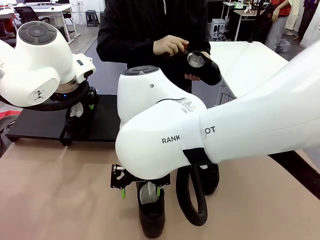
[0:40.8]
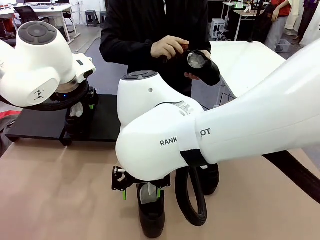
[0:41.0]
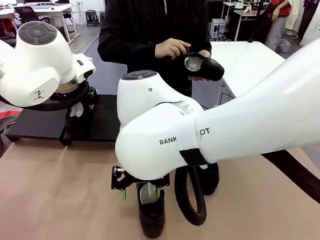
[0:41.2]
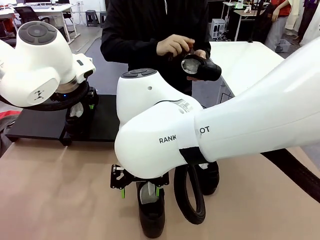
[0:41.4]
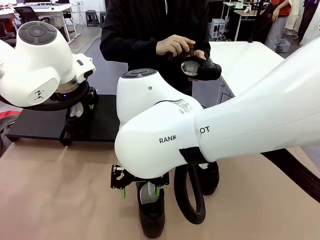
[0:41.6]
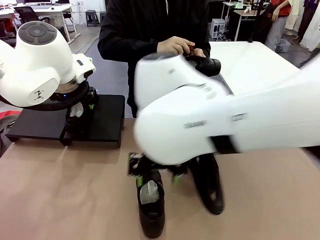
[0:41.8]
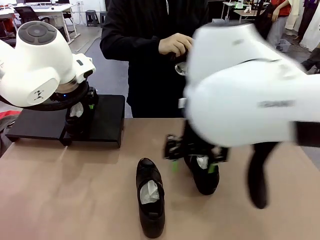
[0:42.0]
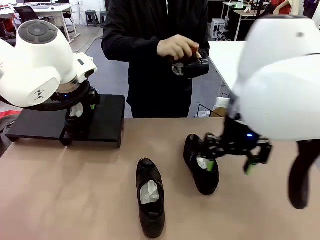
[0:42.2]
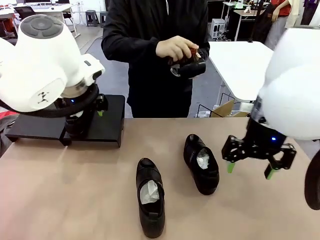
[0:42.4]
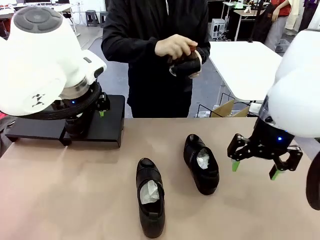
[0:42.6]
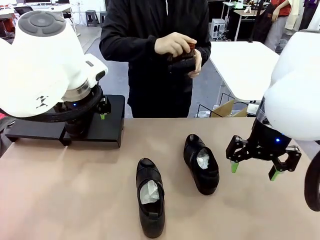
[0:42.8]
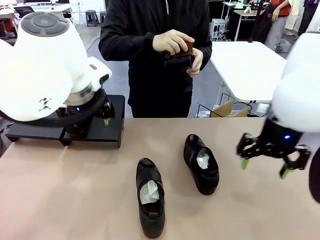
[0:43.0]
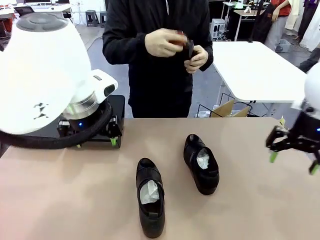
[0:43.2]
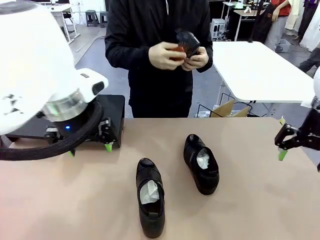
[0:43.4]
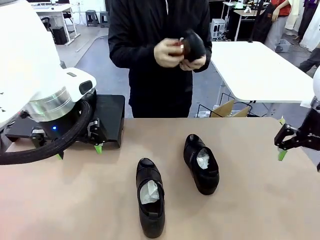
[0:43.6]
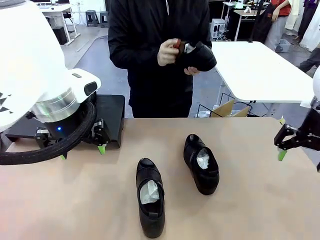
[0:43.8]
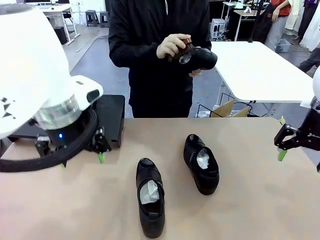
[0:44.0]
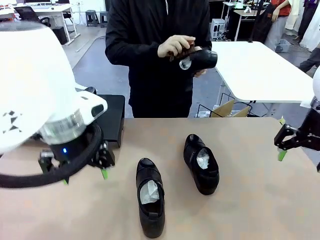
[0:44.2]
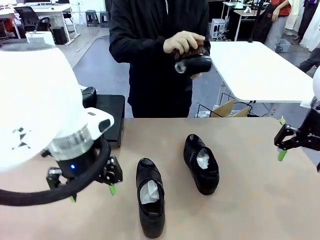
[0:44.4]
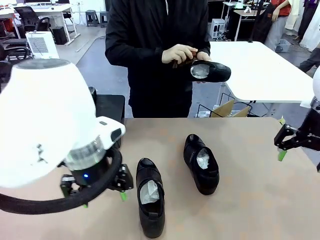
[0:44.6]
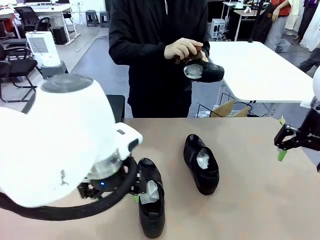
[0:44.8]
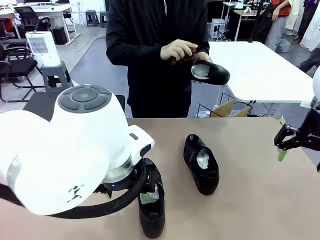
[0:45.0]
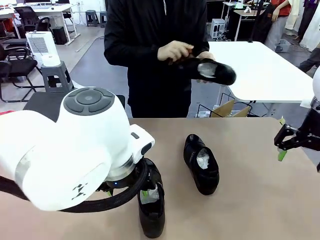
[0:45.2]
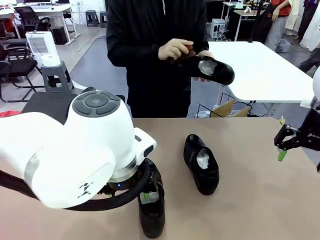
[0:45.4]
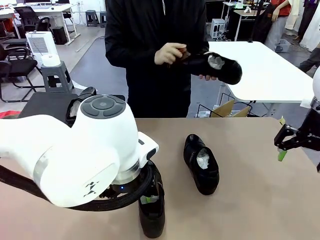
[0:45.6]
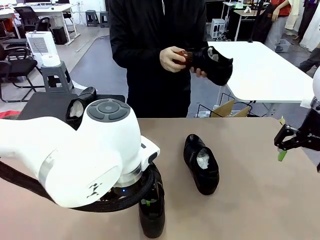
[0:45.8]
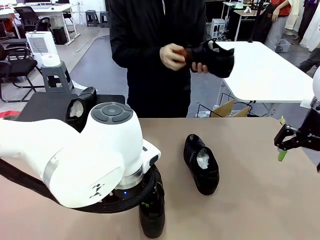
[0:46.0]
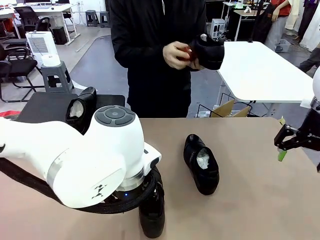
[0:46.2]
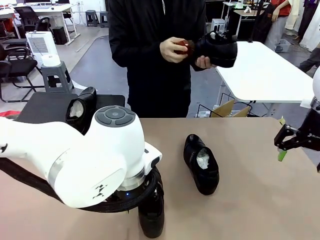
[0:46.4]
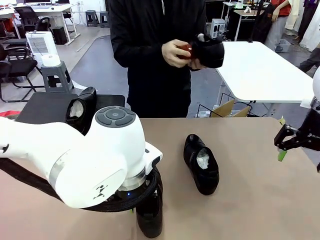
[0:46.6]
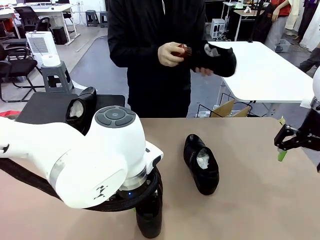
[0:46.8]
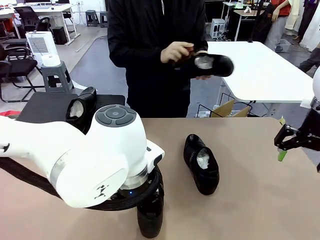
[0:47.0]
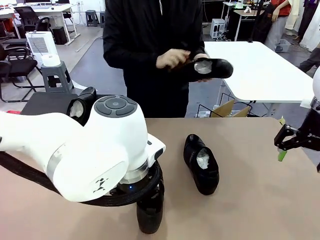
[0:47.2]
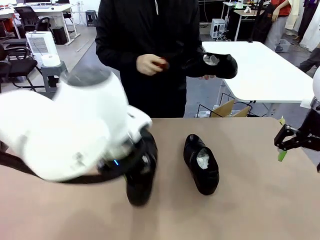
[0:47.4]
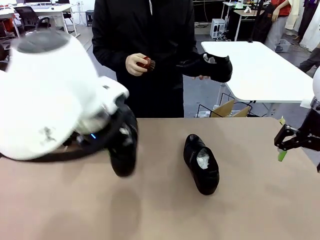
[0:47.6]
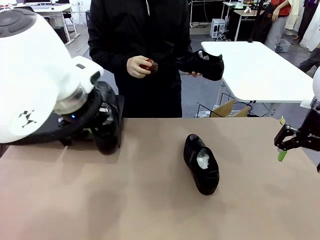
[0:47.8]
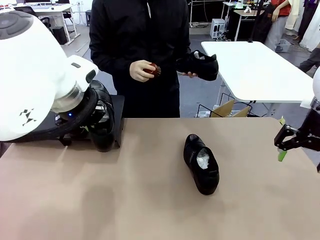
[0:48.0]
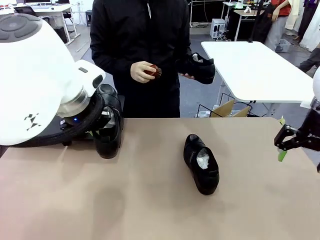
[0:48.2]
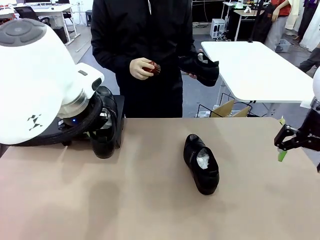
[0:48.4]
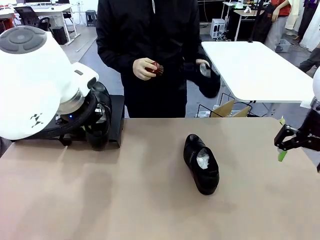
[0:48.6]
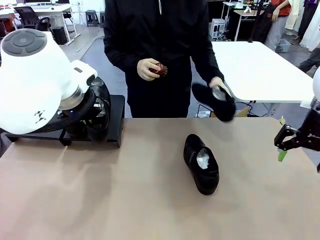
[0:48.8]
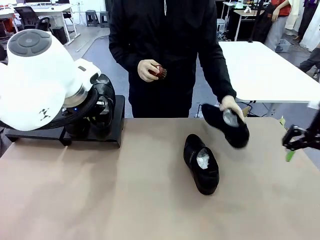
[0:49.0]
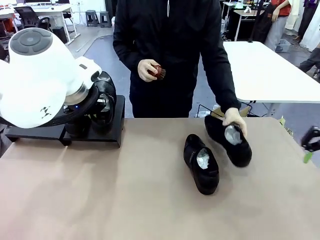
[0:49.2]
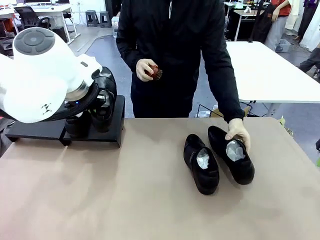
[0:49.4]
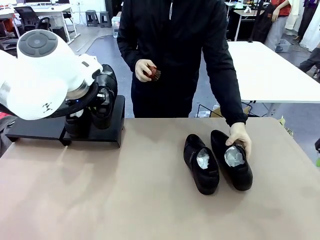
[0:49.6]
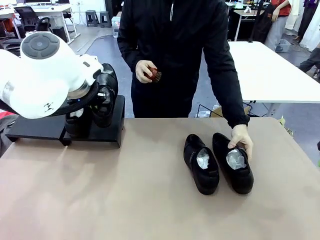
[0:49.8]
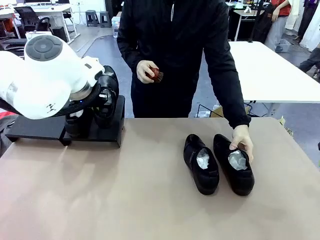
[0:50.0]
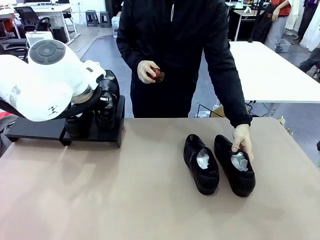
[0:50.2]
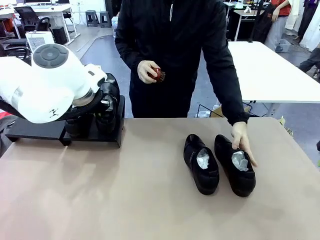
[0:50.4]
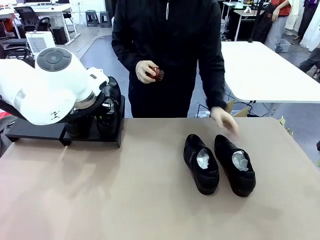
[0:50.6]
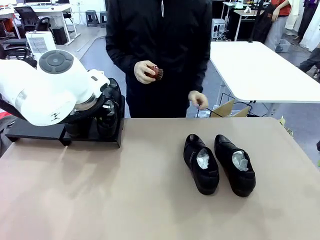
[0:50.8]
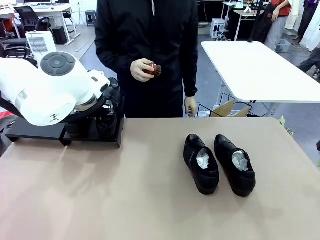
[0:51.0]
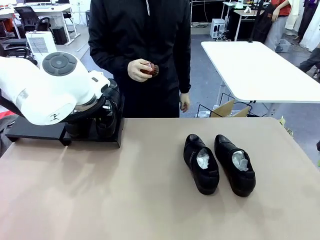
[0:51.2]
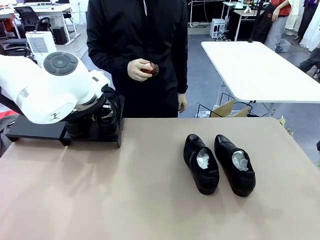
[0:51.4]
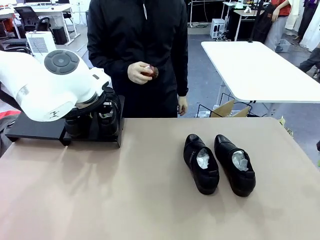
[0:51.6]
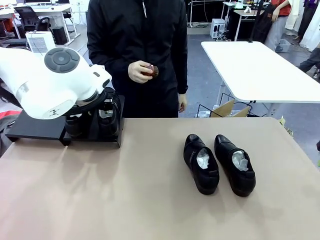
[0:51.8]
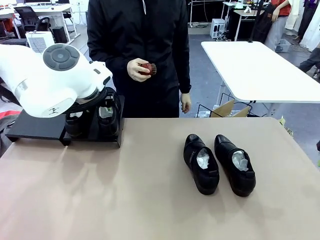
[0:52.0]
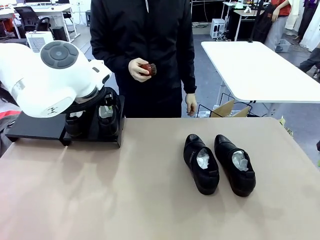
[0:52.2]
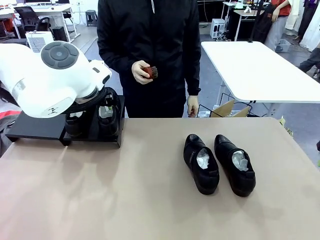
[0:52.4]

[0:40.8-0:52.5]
Task: Organize the shoes by placing them on the stand.
Robot: Place the Shoe from the middle of the table onto the Shoes Stand.

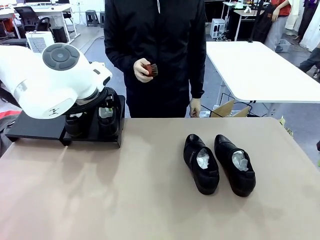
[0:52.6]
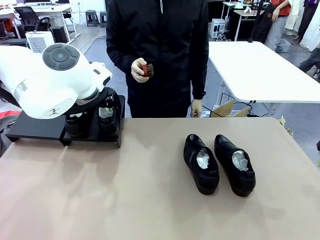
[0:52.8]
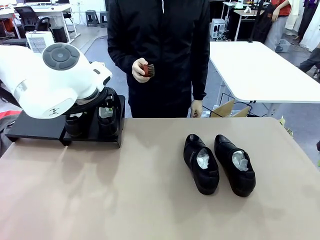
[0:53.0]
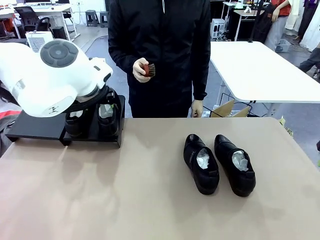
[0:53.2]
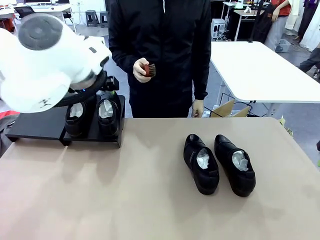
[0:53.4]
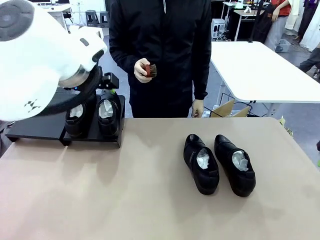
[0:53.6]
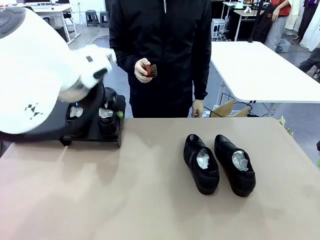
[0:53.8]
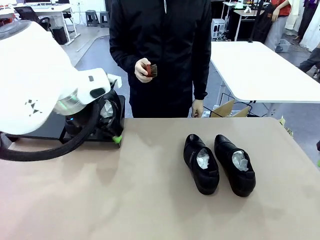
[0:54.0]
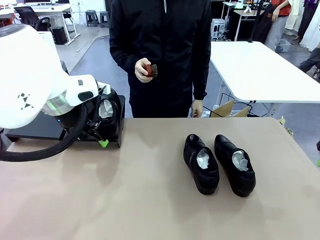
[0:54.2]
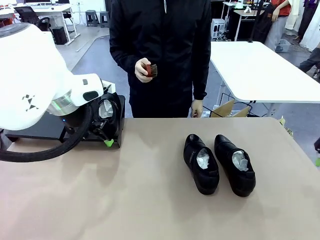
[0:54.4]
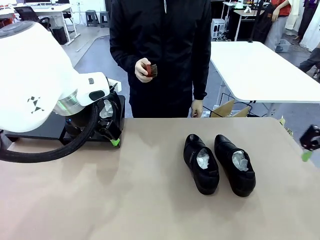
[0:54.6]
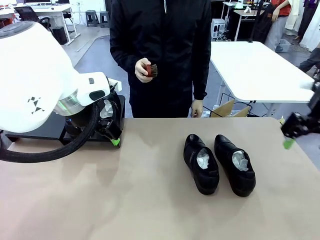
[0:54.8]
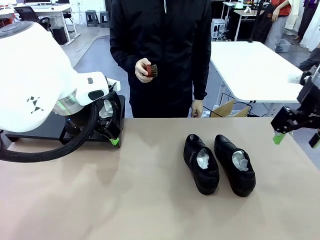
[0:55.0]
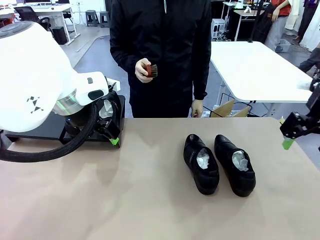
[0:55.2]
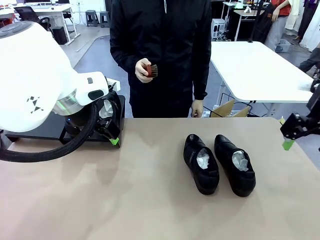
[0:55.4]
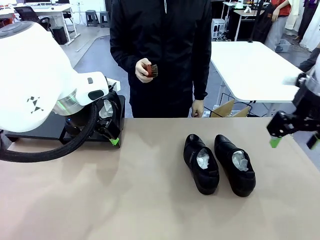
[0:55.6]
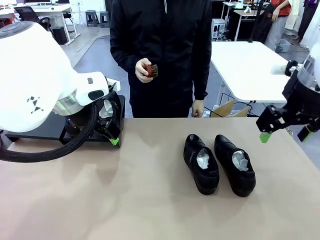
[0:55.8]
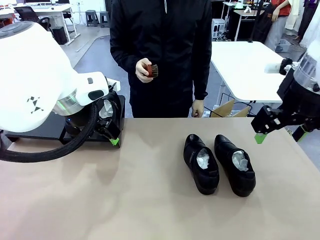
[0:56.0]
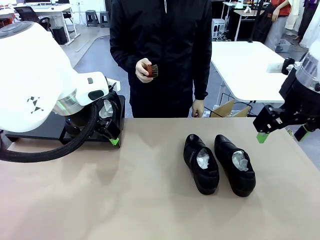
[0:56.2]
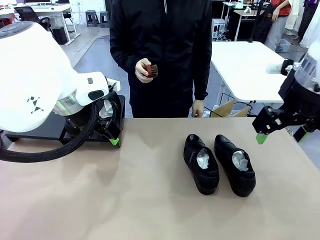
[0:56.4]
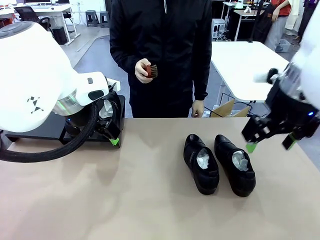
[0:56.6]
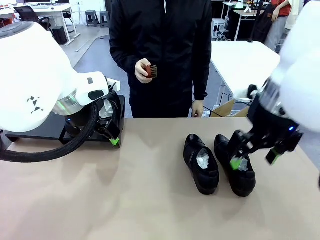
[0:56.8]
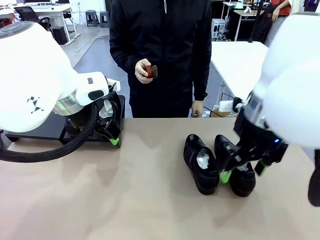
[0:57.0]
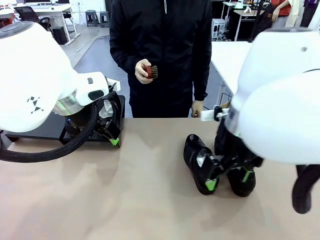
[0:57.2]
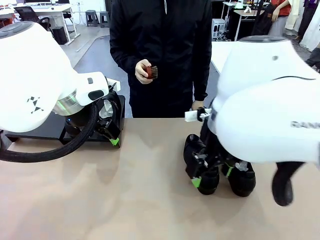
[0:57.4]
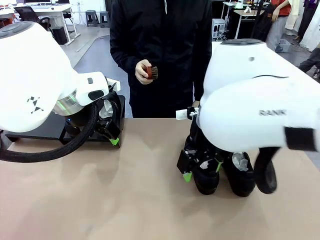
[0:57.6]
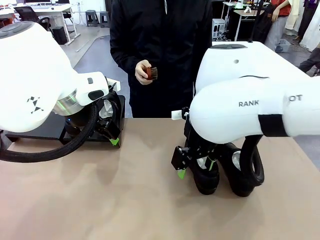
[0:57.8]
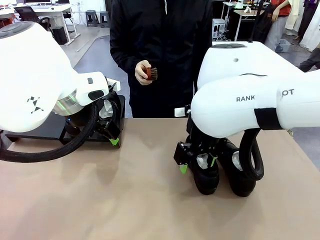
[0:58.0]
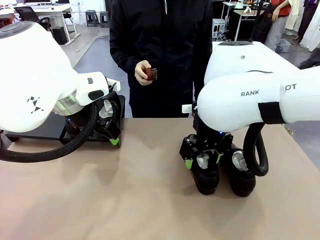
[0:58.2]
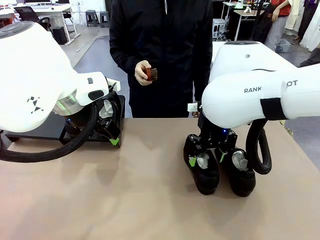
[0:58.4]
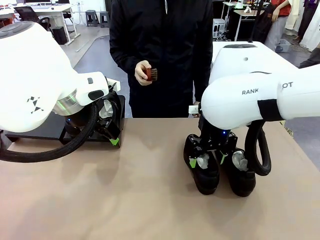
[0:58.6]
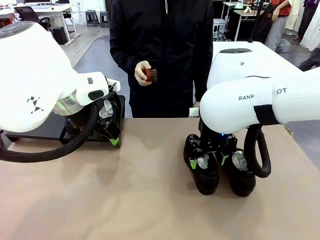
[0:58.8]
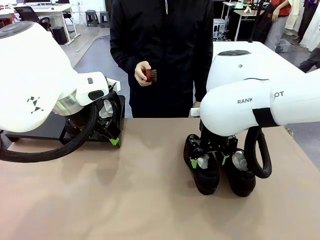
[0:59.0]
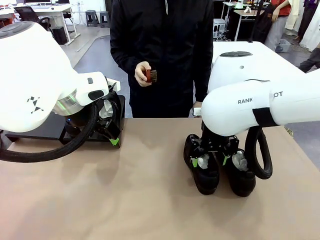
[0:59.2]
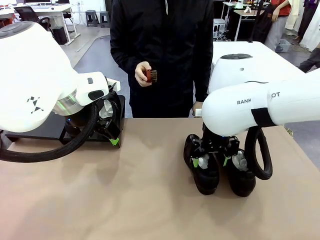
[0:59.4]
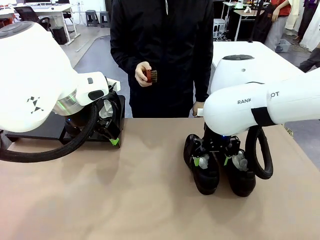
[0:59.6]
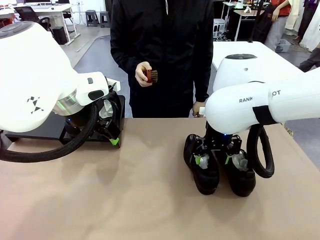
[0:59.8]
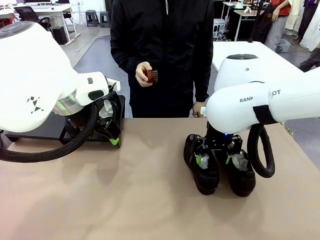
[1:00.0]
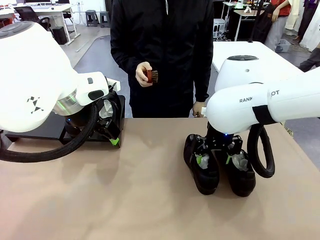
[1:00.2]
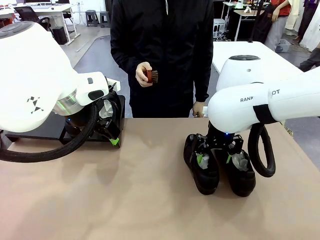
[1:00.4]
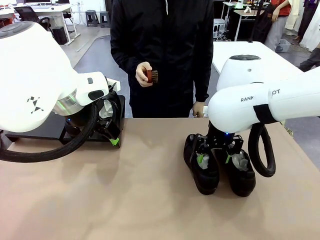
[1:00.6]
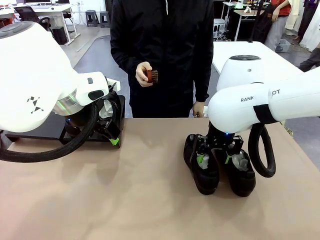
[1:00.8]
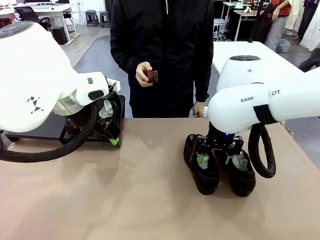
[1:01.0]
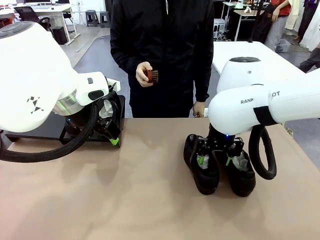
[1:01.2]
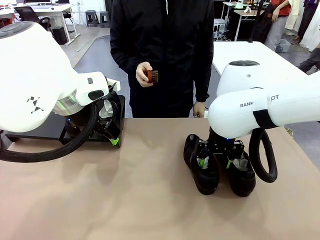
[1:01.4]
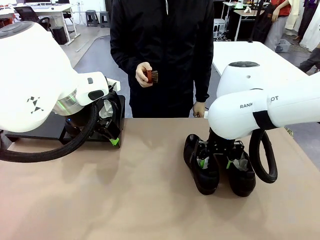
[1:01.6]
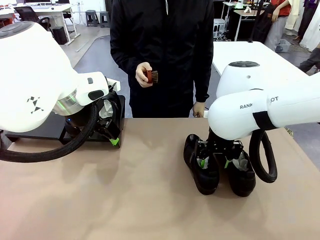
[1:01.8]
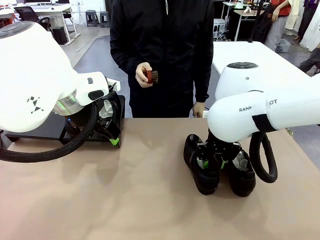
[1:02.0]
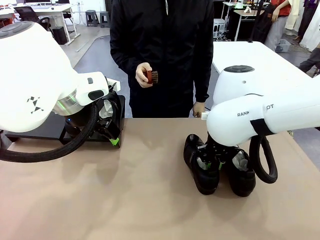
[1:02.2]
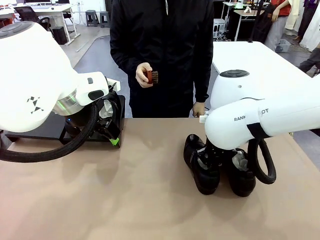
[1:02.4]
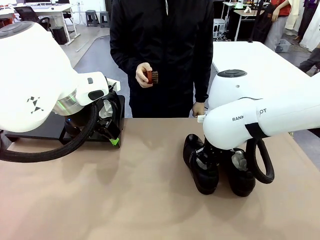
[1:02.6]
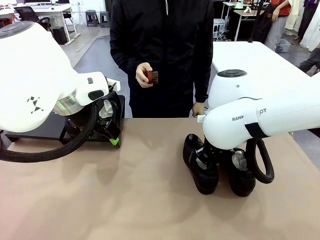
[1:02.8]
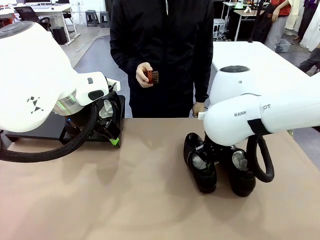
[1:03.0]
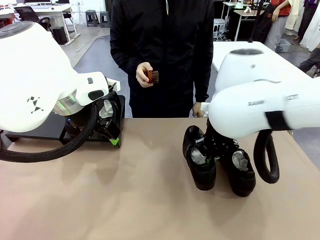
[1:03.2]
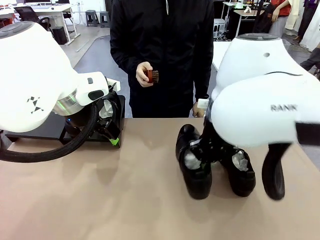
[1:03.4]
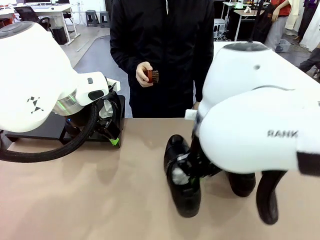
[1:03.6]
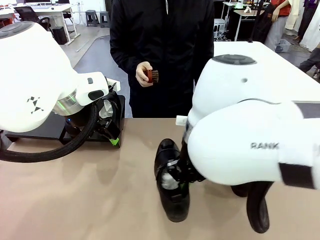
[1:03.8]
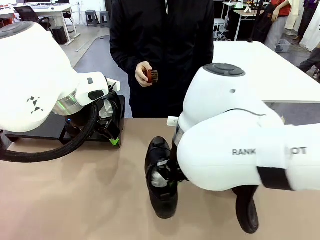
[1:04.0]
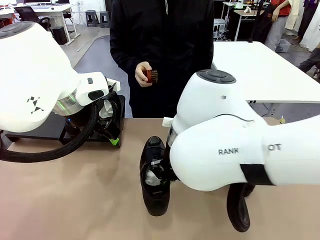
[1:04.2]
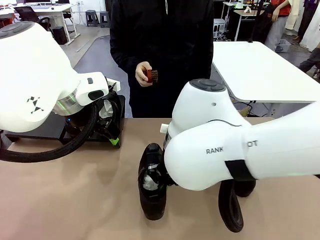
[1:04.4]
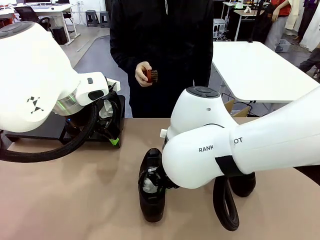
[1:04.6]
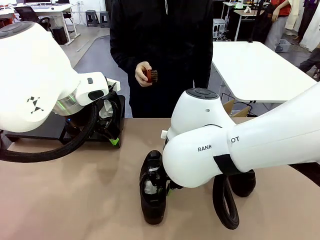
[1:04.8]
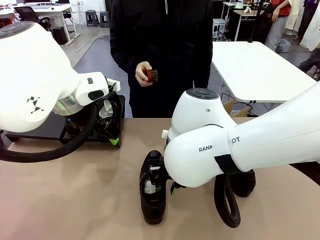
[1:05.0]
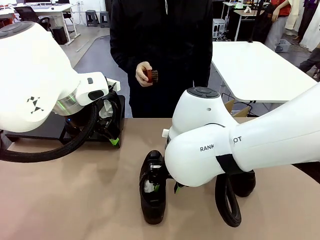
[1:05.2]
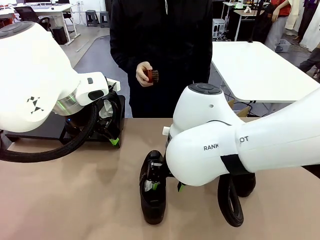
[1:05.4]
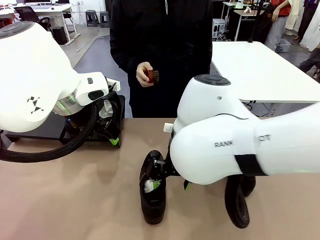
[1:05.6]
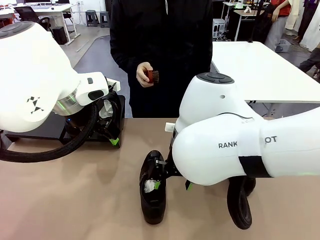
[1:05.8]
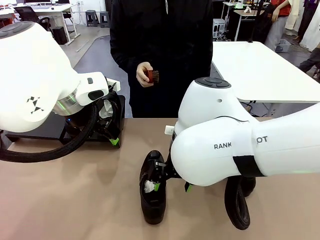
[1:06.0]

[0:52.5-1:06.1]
Robot: Pick up one Shoe and place it in the middle of the table.
